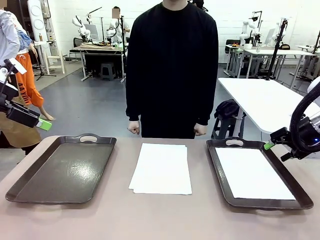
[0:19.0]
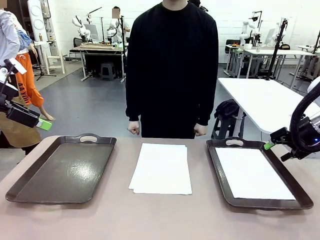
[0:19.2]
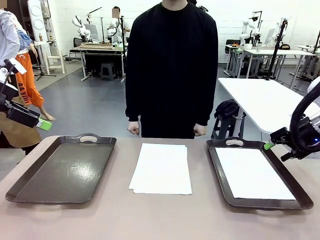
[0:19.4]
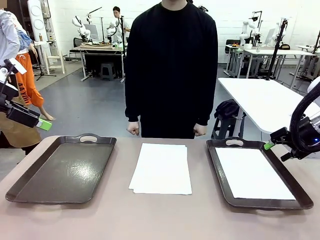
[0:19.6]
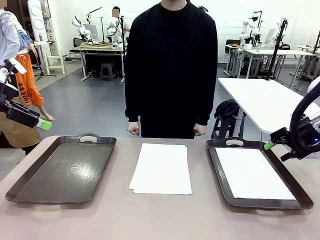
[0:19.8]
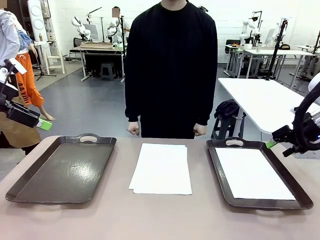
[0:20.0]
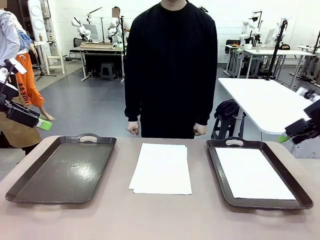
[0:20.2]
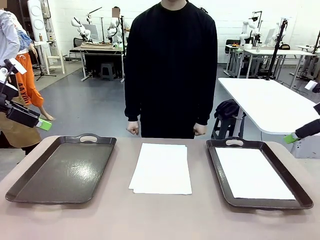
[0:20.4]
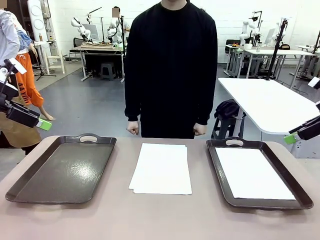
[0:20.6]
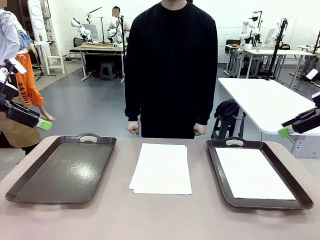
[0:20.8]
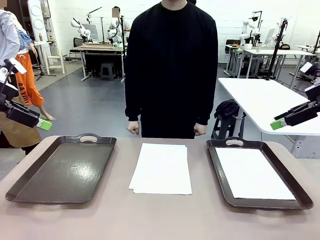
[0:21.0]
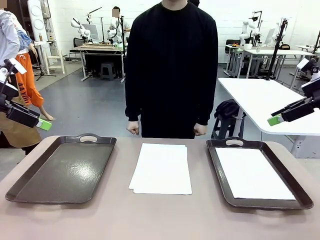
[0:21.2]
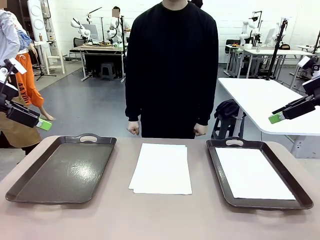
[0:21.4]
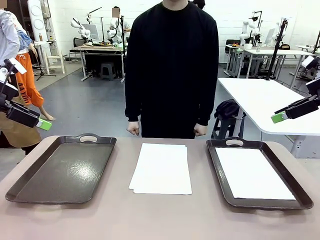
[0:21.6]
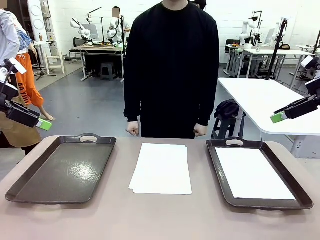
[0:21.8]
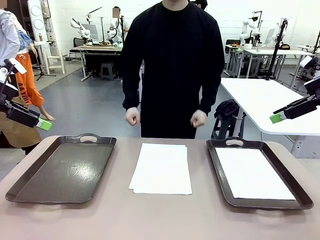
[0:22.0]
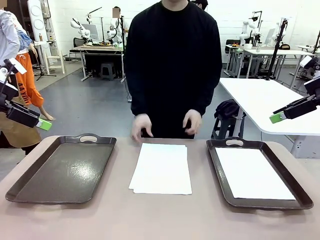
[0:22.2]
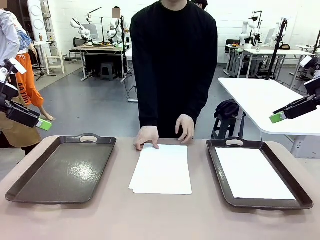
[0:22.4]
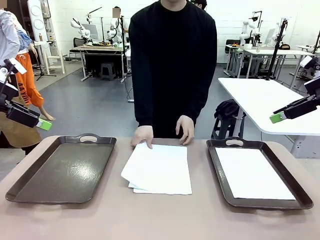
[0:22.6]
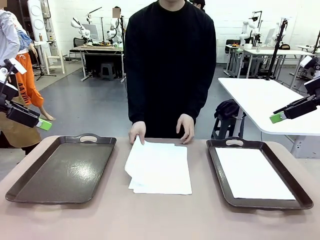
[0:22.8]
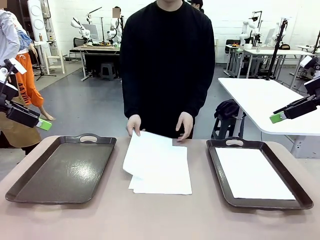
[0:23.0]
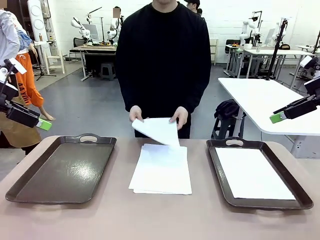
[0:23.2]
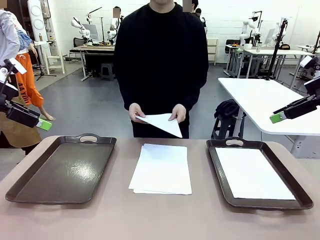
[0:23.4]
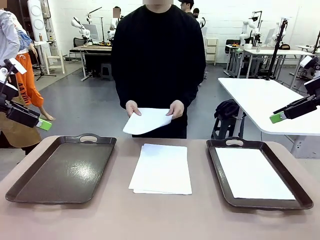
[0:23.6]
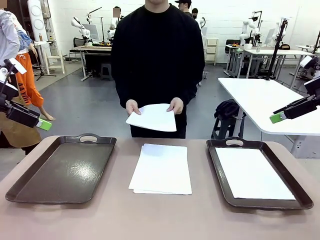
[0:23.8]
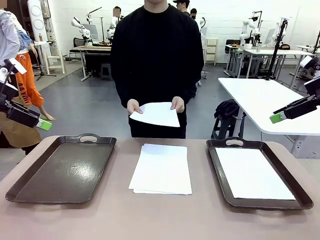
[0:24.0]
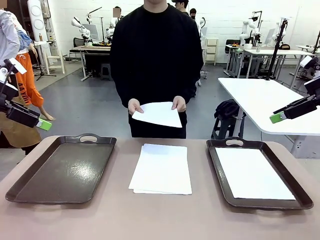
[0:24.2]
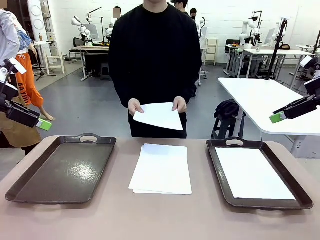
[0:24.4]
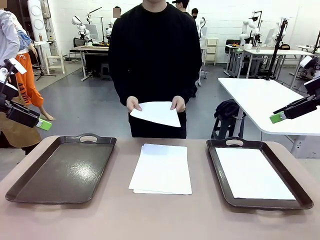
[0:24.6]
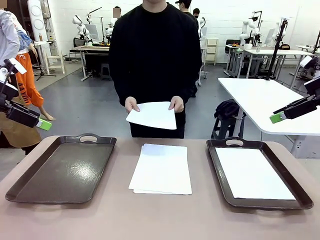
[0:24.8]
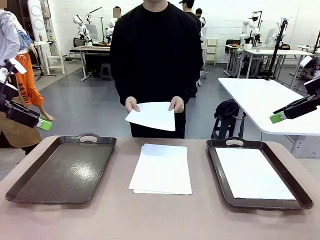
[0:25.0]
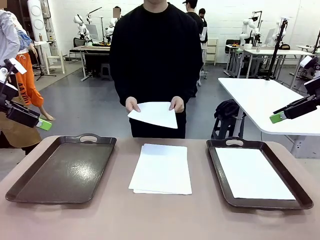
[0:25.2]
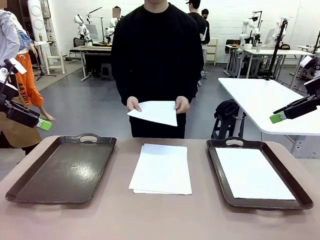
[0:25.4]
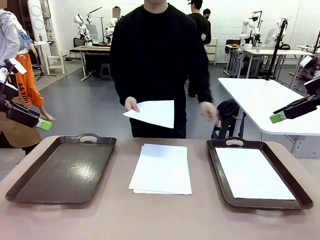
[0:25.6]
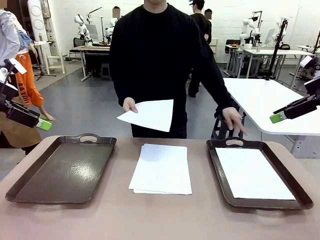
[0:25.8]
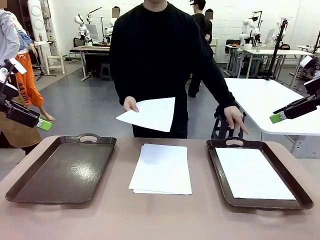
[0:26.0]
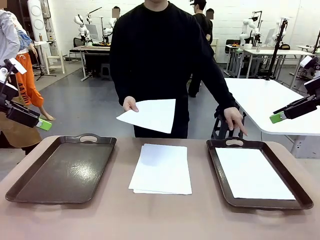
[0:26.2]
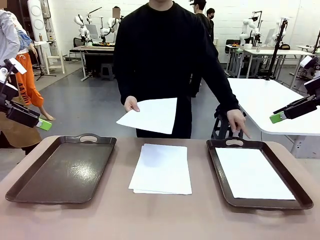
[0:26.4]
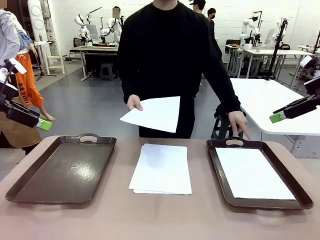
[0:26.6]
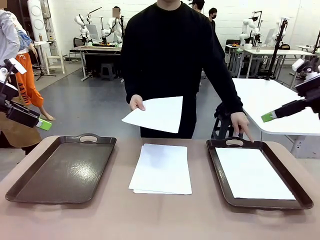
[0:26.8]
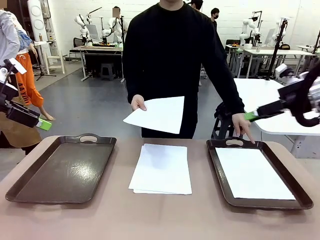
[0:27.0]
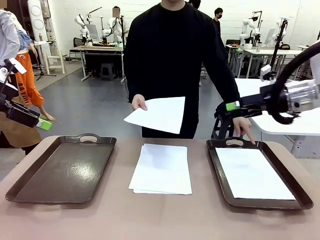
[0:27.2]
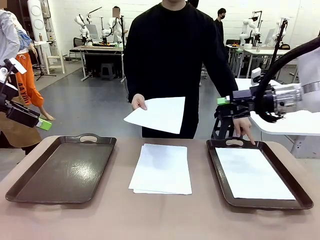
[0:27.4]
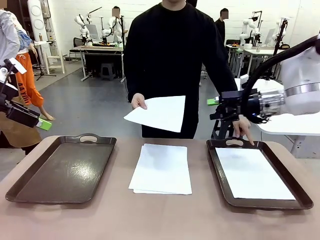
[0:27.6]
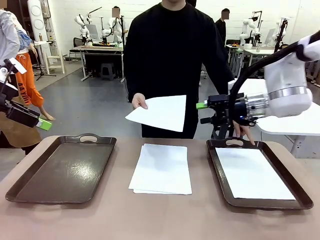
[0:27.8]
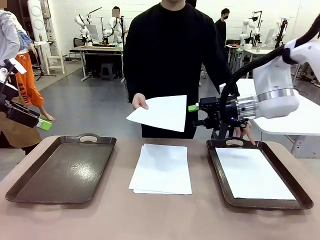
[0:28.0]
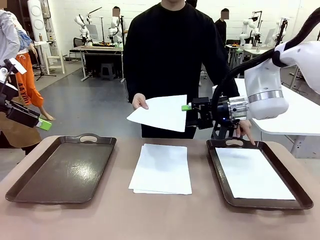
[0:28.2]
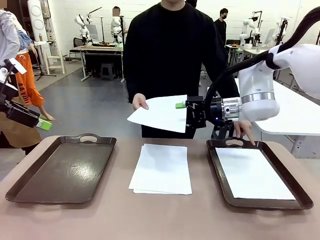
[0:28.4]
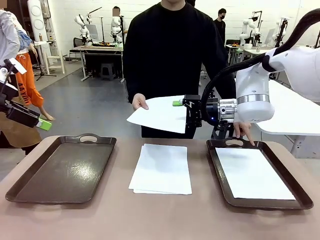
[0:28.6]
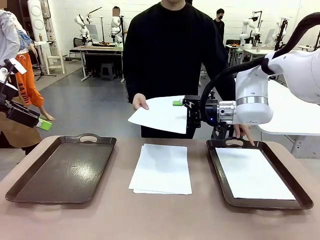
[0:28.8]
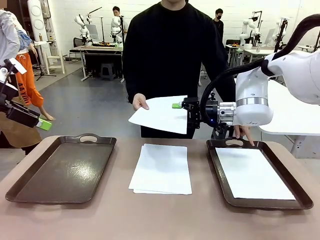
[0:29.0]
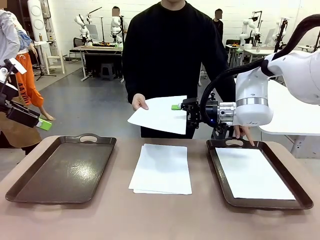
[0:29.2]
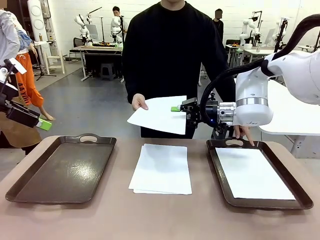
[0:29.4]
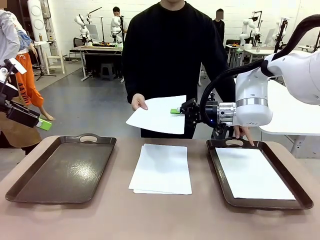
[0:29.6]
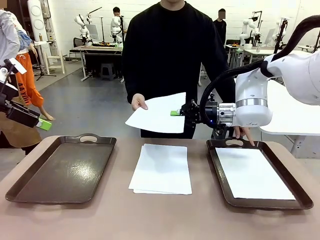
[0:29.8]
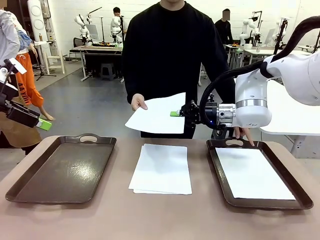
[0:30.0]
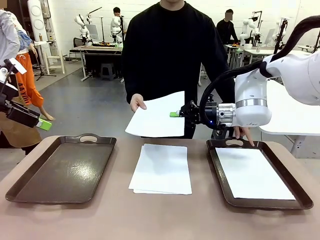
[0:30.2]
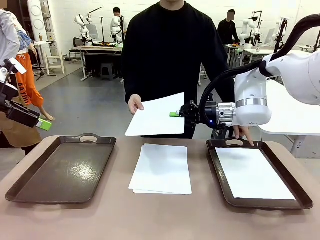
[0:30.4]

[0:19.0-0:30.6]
Task: Sort the A4 documents.
Robot: Receive the A4 Paper.
Person: Point the randomly selected tray with the other hand.

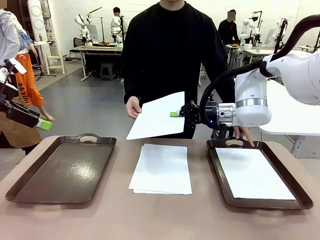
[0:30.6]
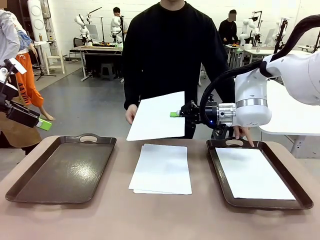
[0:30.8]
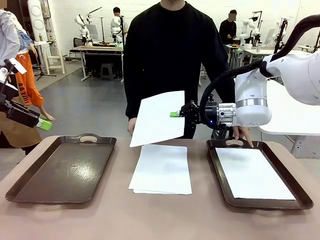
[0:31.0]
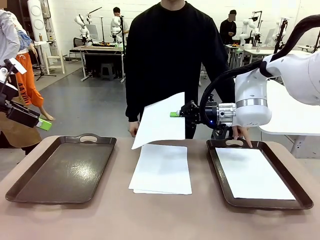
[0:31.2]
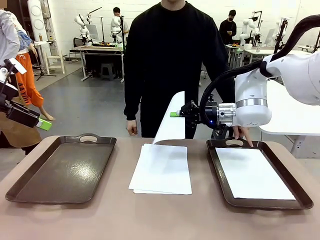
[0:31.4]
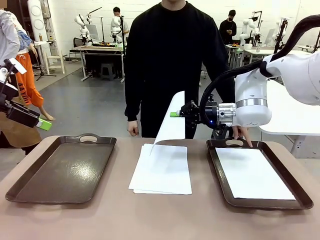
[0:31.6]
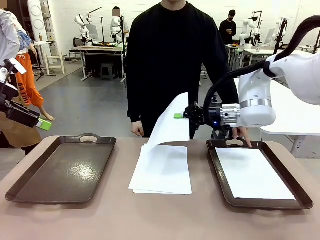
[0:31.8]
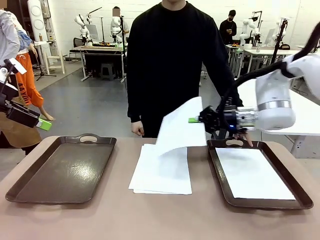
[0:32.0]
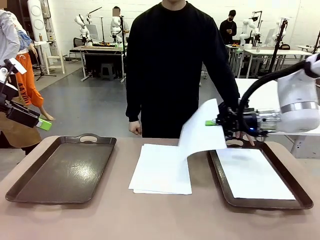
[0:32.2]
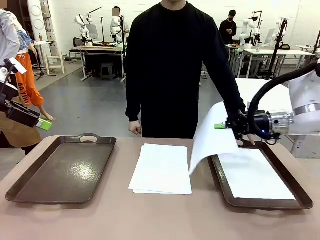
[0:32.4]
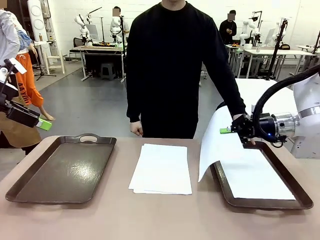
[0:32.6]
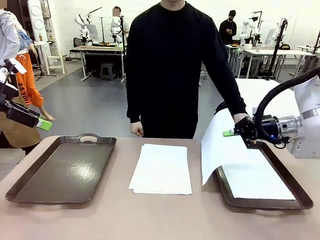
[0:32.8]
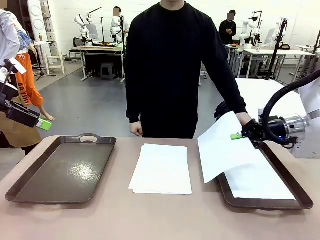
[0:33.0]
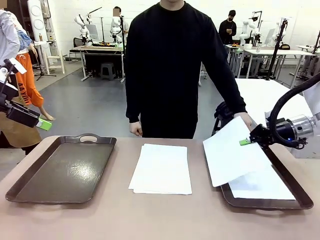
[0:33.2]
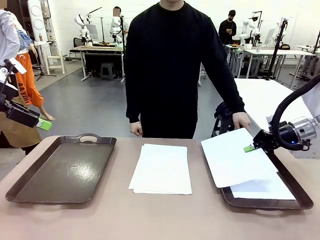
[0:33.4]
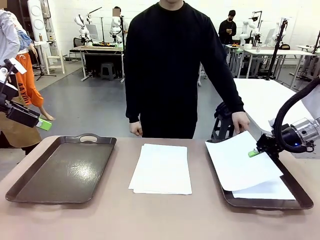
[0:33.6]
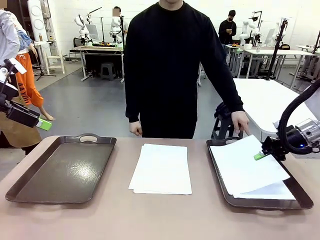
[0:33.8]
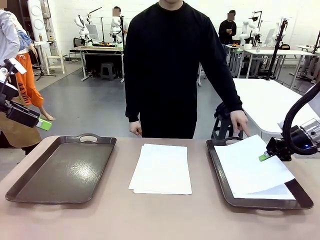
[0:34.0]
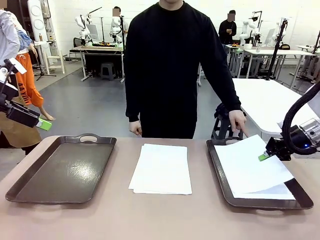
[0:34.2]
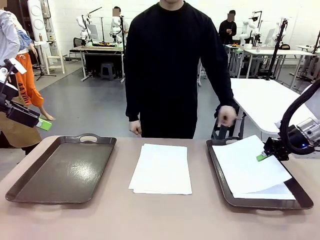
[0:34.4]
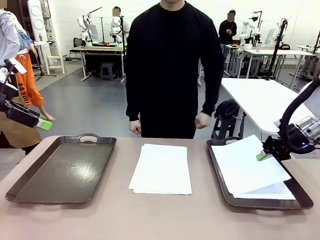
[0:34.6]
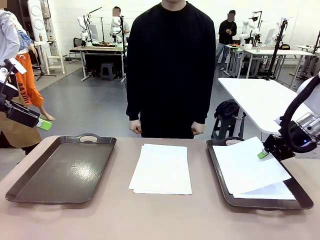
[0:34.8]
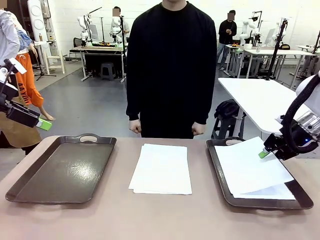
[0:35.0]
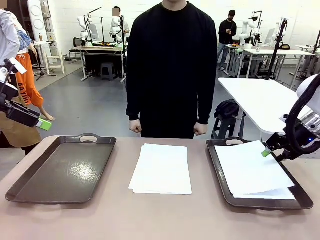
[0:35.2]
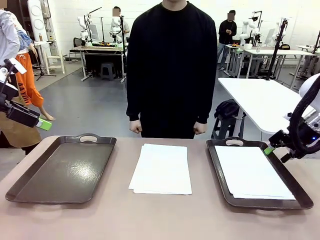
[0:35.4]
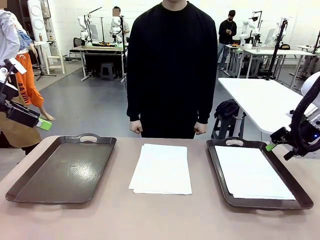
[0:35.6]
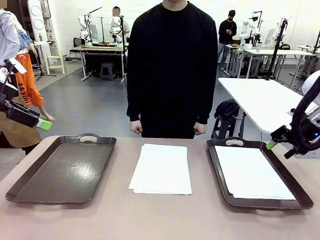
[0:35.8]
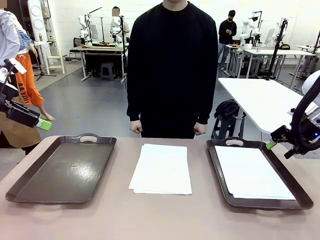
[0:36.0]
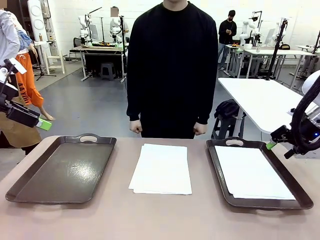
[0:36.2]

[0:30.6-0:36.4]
Robot: Place the A4 Paper in the designated Handle tray.
